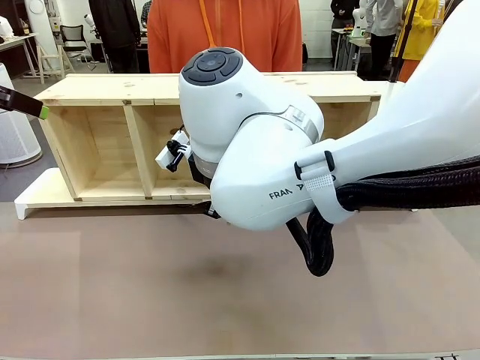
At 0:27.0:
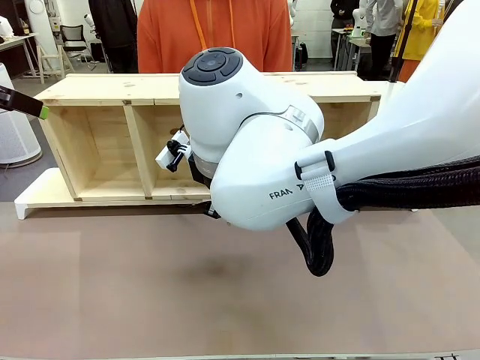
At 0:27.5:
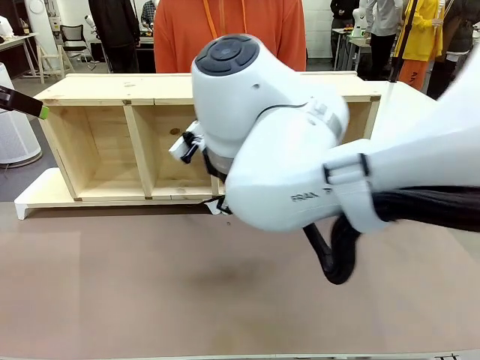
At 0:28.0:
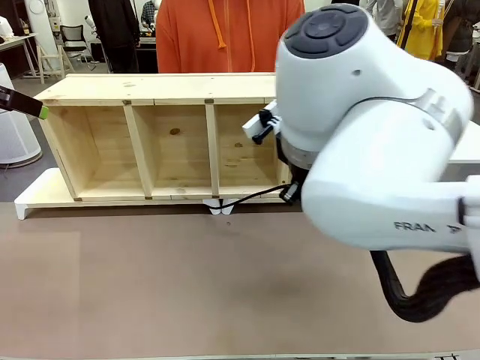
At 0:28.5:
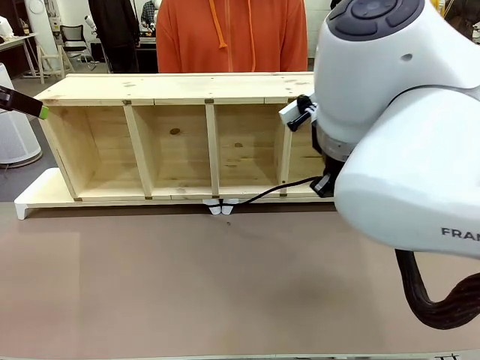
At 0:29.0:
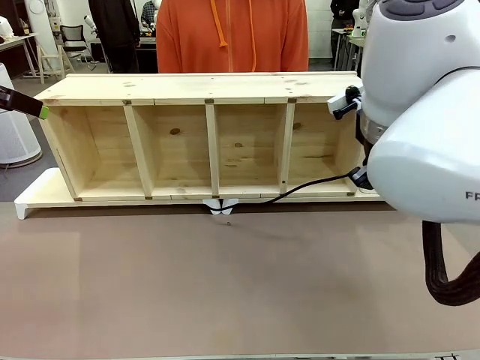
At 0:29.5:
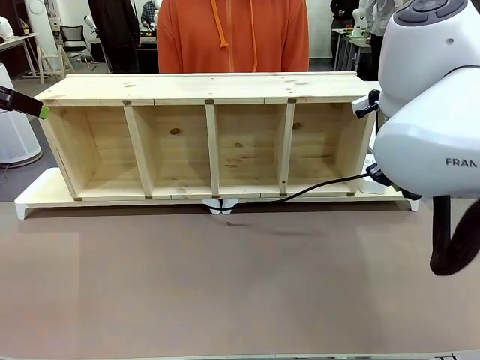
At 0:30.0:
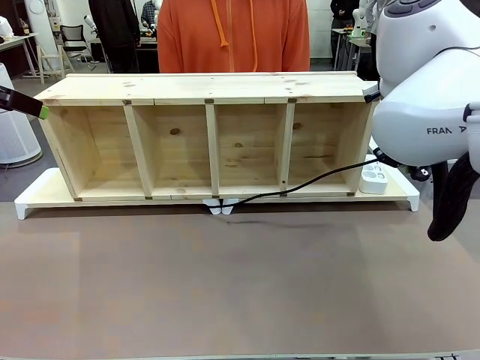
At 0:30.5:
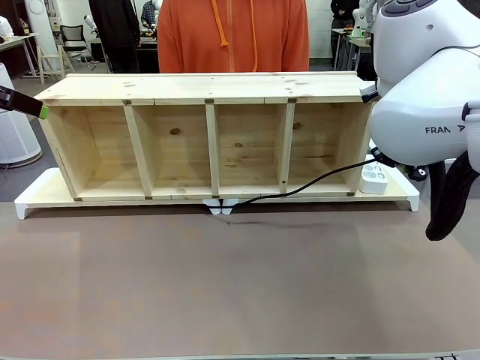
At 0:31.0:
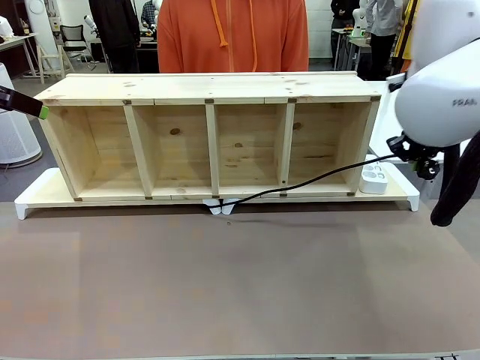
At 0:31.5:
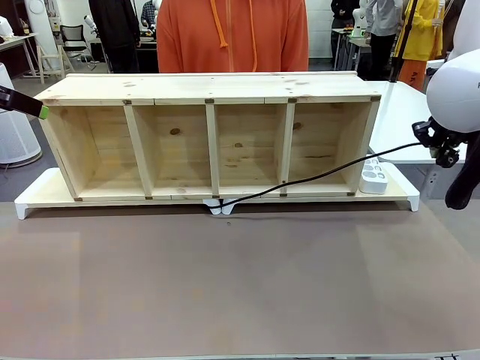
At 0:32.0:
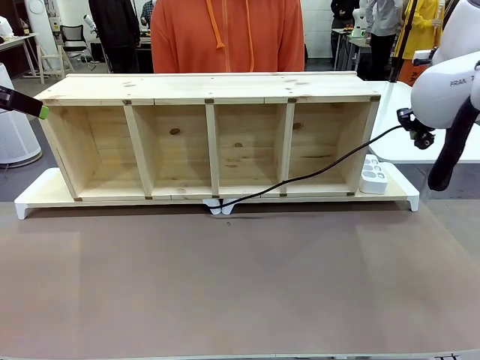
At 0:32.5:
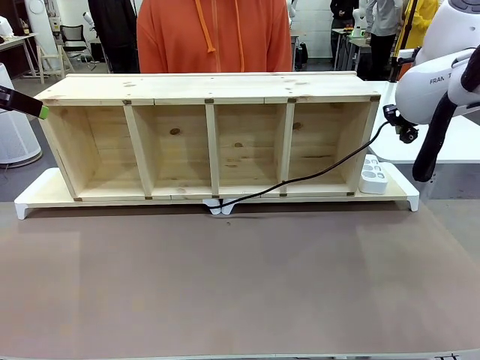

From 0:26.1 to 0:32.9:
Task: Perform cable management.
Robot: Pull the grasped Power Cable to the location of the Power Strip.

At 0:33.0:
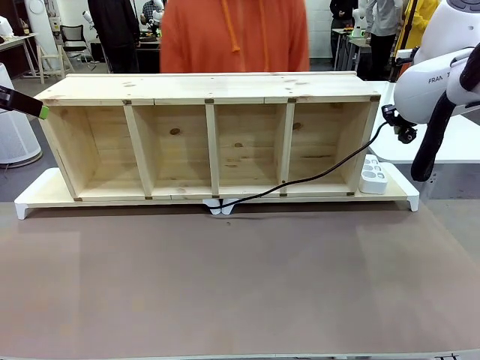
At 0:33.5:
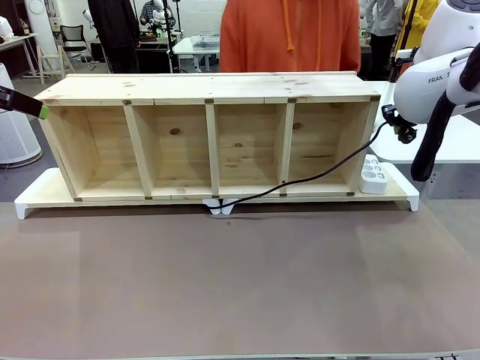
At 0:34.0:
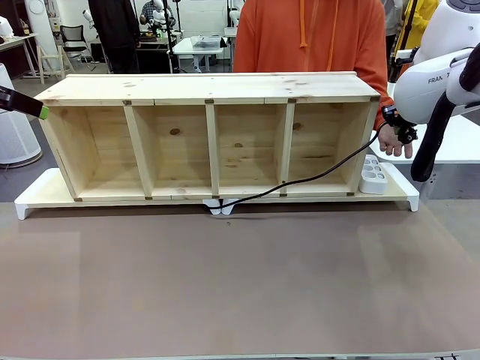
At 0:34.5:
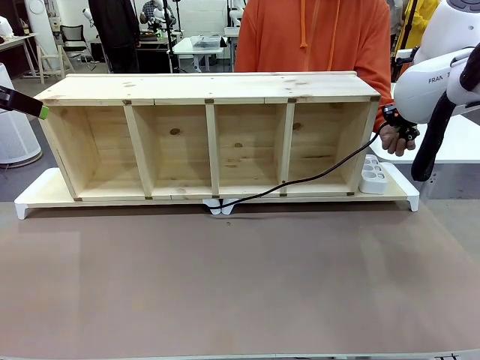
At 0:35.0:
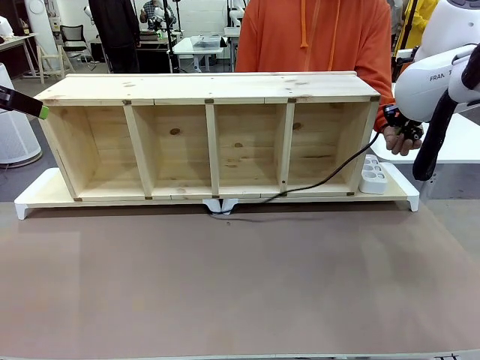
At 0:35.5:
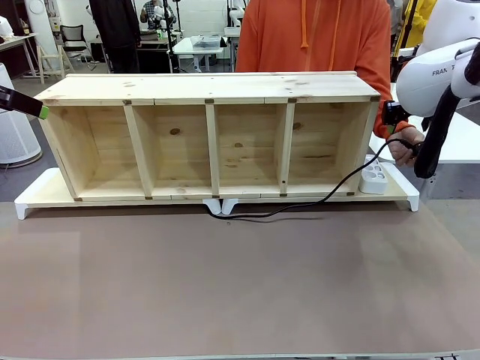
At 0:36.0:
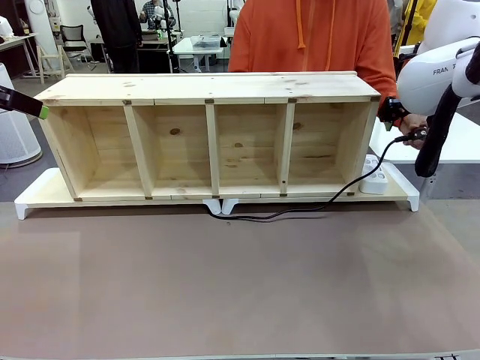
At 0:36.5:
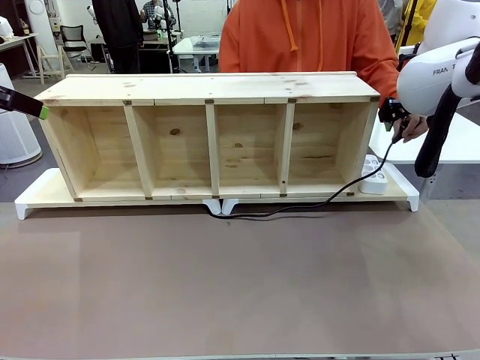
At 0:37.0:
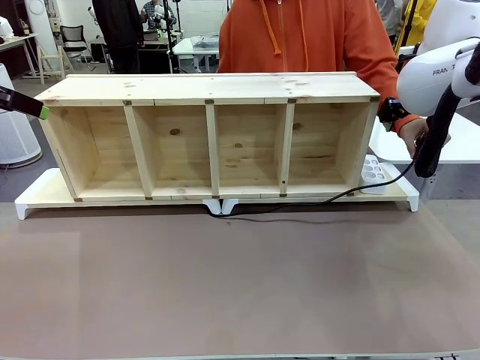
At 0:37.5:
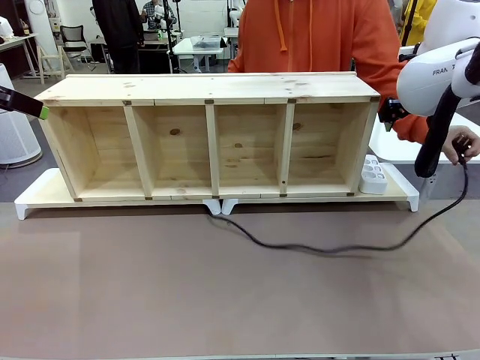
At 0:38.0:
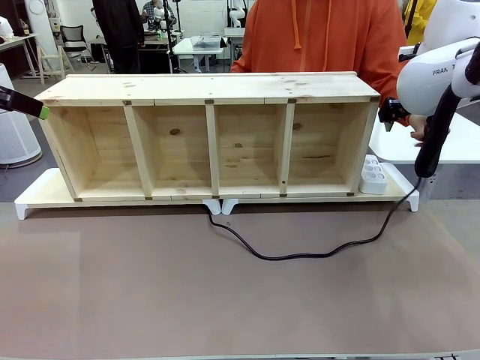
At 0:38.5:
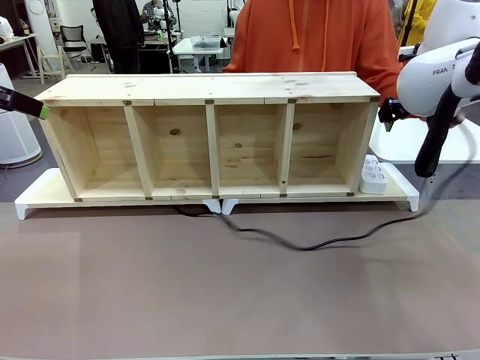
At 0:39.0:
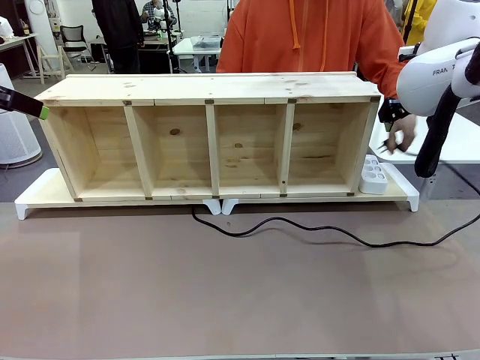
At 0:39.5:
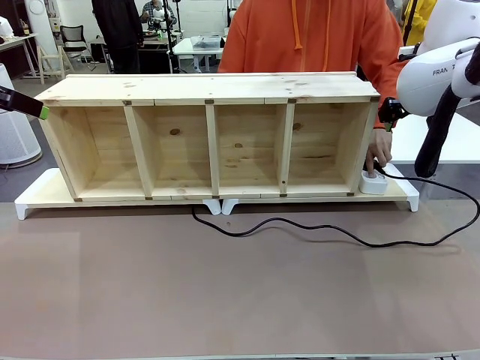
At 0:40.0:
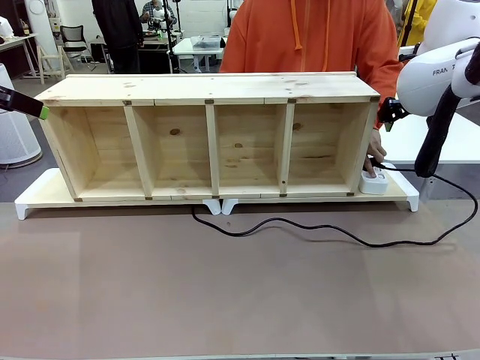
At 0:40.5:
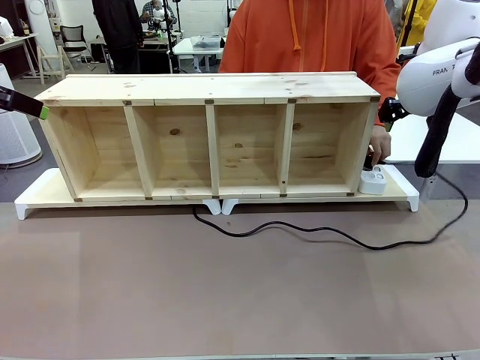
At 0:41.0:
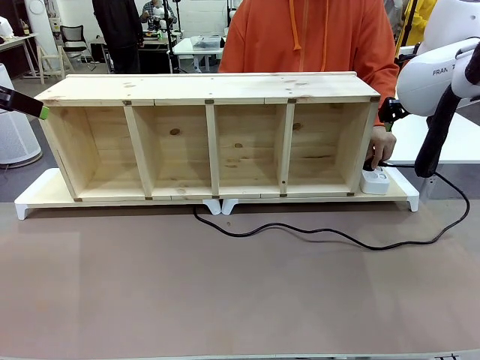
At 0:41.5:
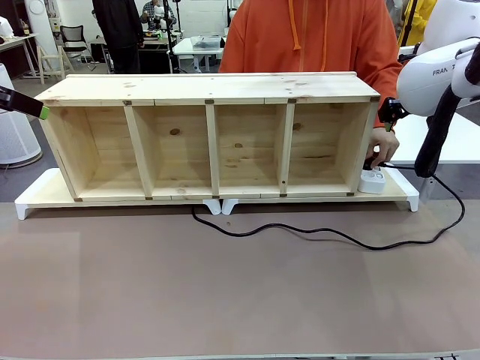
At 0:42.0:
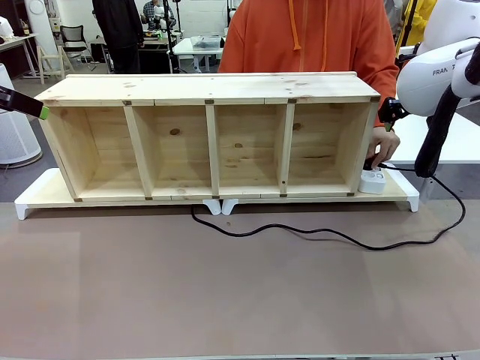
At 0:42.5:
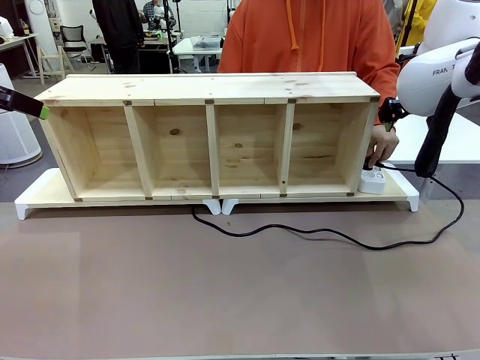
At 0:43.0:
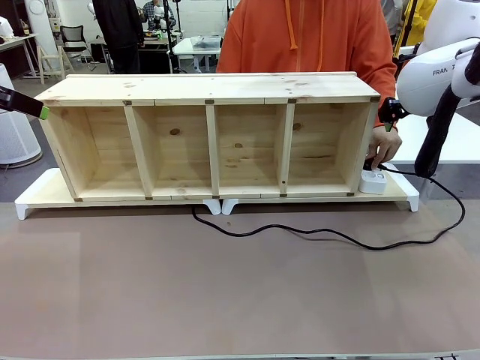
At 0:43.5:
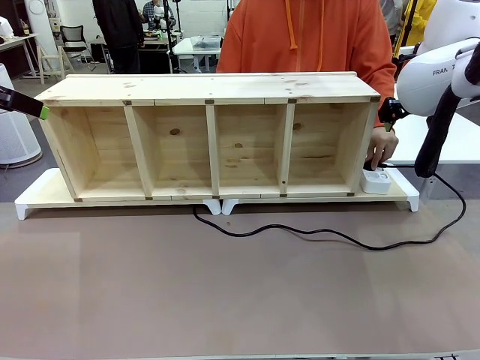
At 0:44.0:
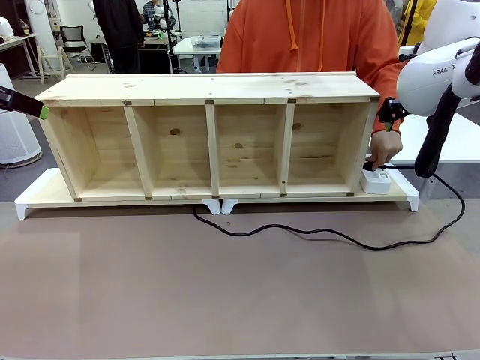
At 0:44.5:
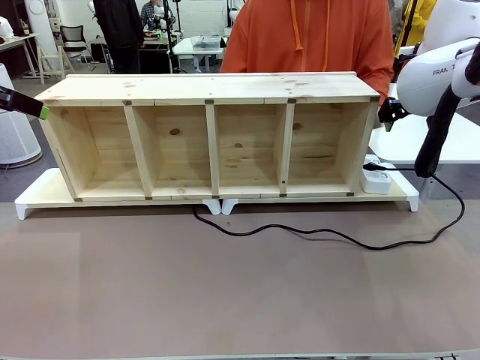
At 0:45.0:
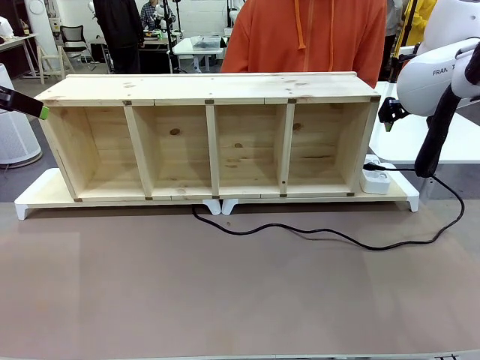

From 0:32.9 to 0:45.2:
Robot: Release the Power Cable when the human grasps it.
Person: Plug the Power Cable into the Power Strip.

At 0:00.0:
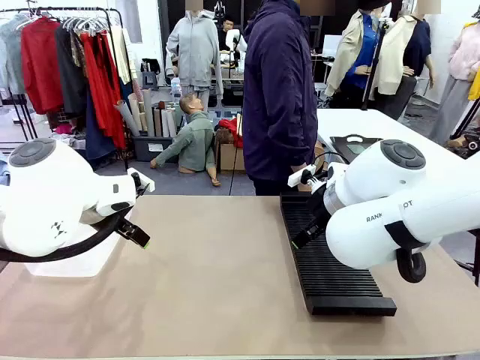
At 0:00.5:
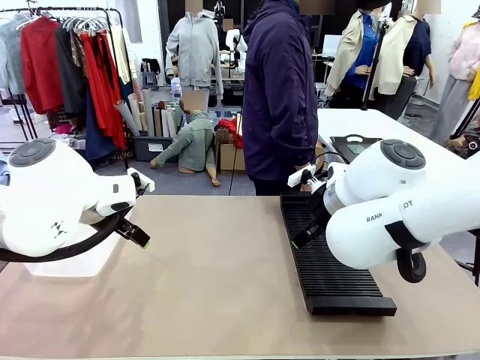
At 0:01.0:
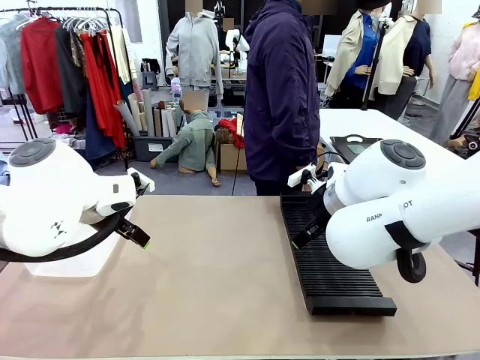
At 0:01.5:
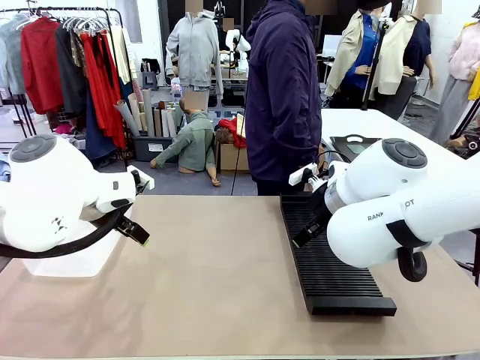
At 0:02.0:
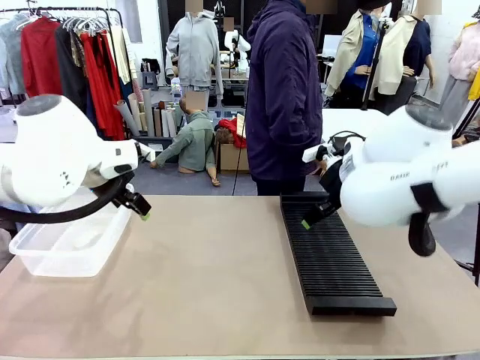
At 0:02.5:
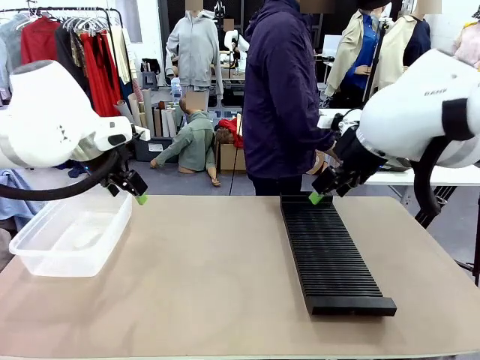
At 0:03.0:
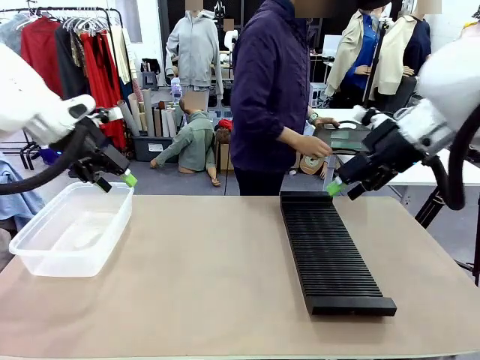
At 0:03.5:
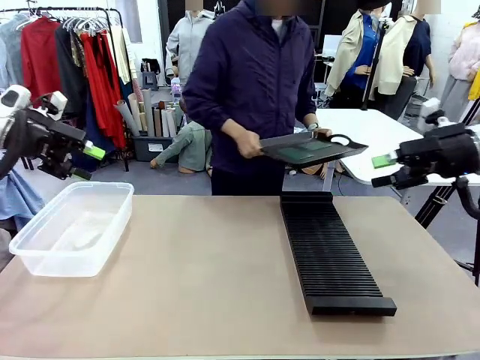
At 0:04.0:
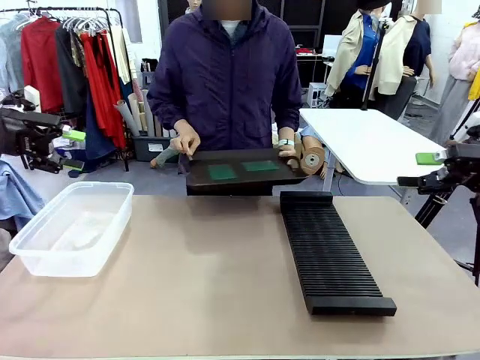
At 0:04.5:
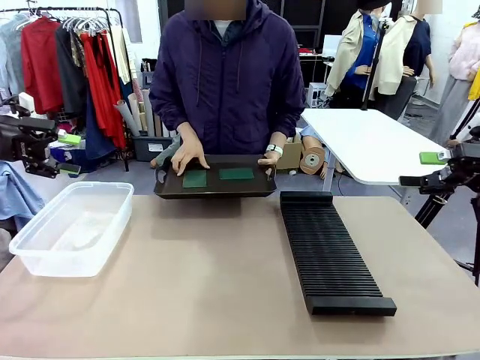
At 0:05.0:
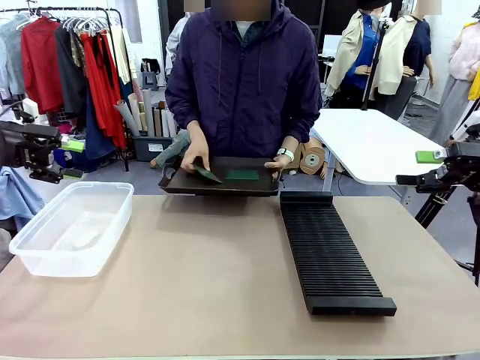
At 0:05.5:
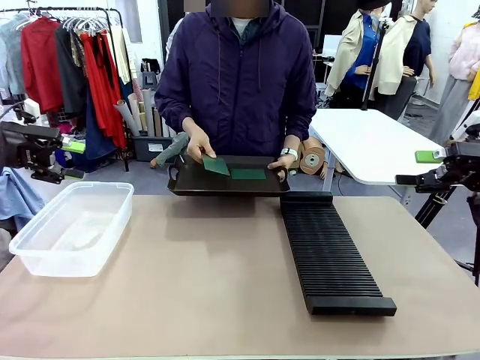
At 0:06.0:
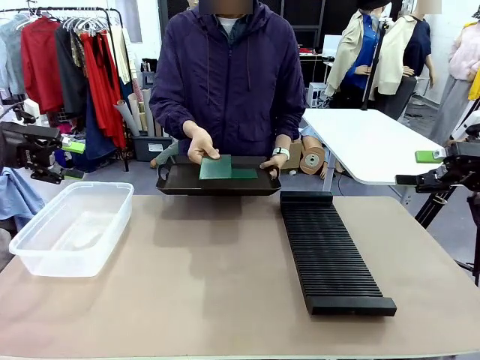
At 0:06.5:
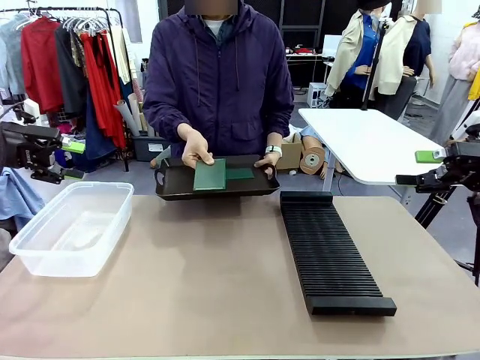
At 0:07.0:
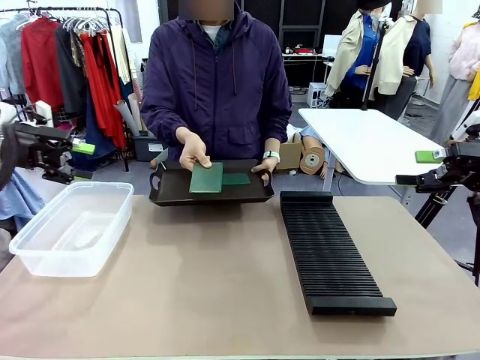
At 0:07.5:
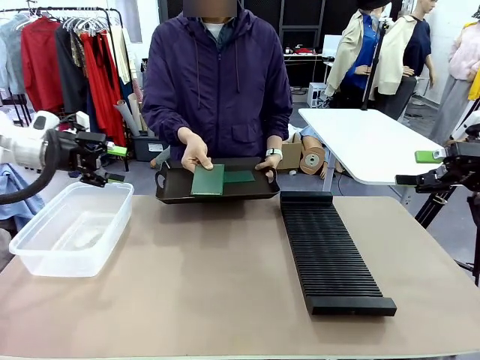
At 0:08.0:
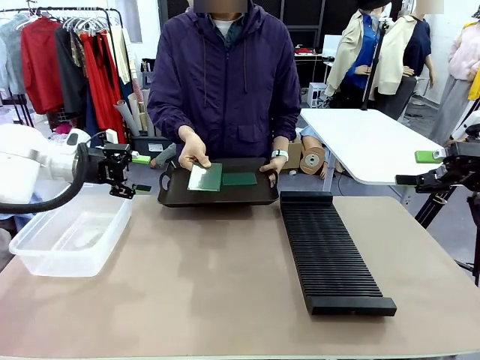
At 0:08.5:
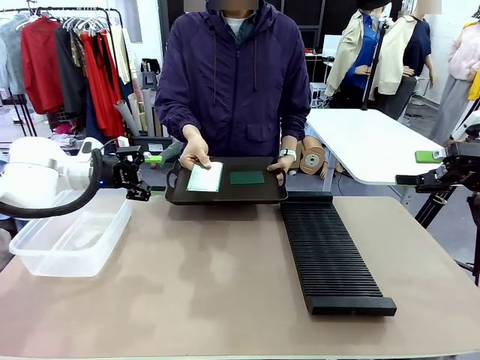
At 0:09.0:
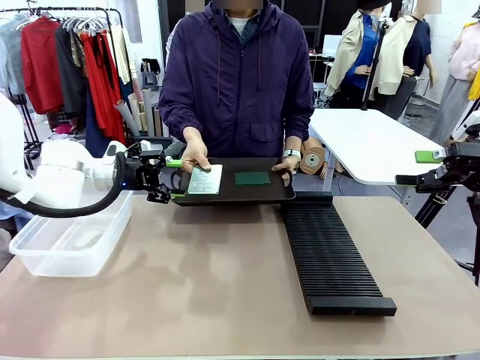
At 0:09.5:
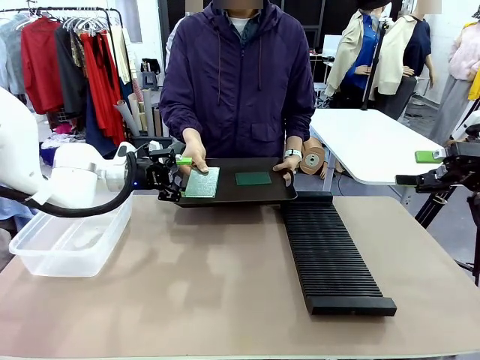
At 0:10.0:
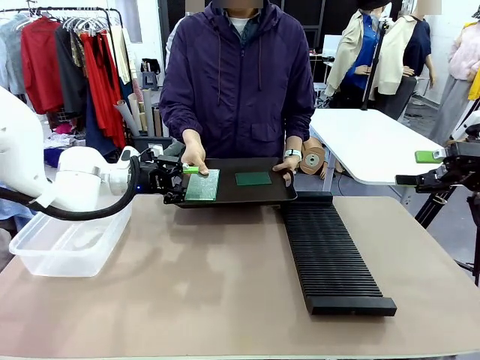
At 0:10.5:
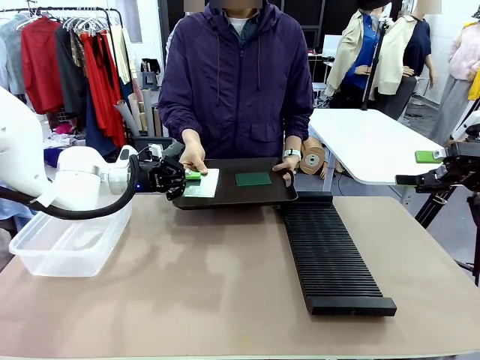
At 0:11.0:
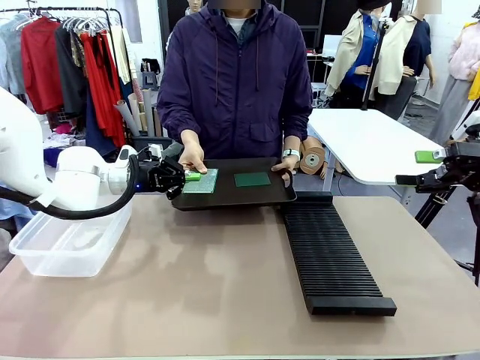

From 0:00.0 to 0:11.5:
Task: Sort PCBs into racks and boxes based on the side picked up.
Robot: Pick up the Blank PCB handed by the Human.
Person: Pick one PCB from the tray and present it to the robot. Release the PCB being held.
